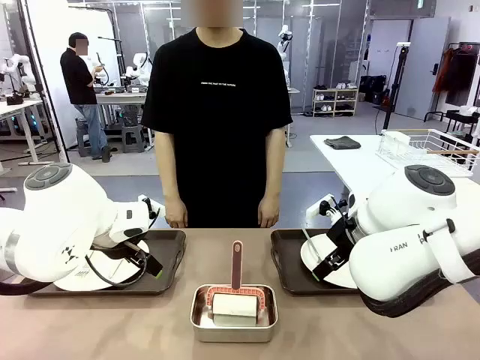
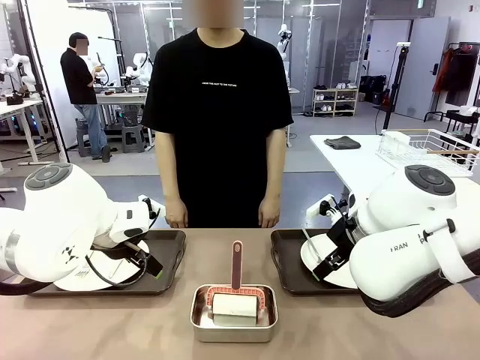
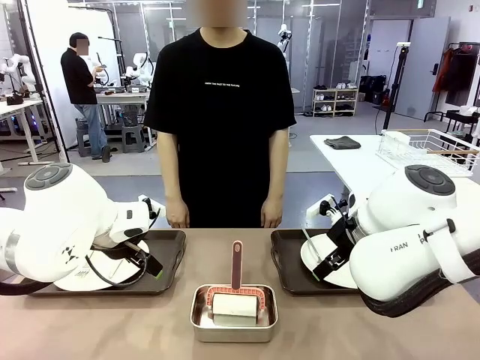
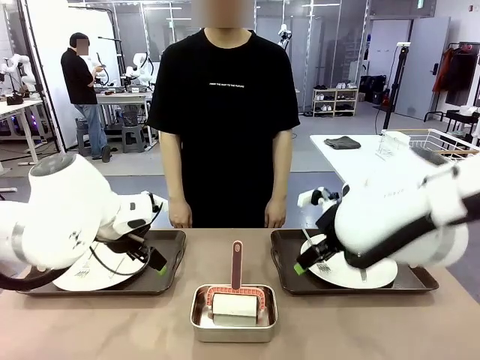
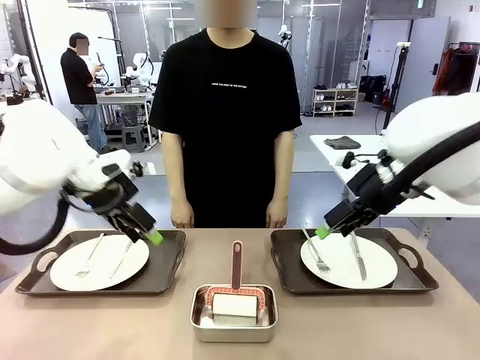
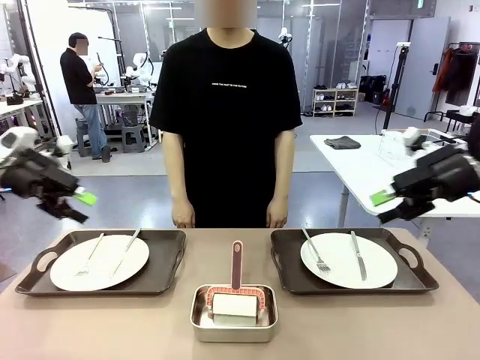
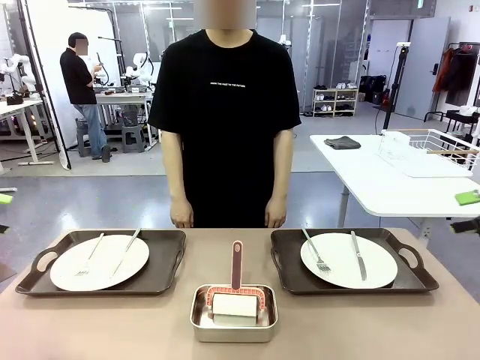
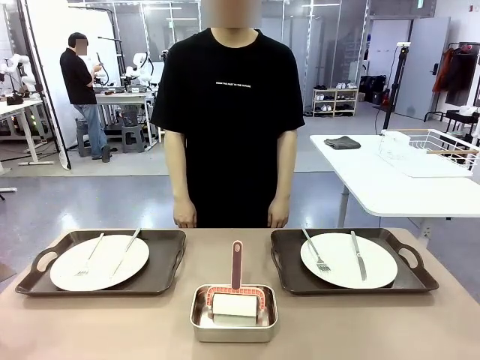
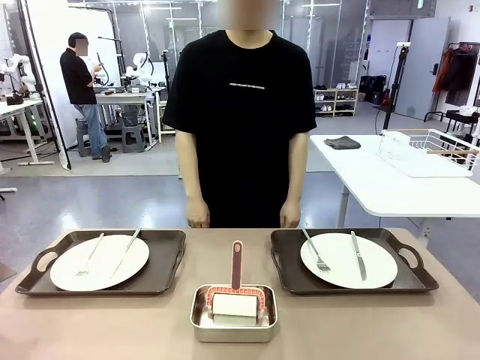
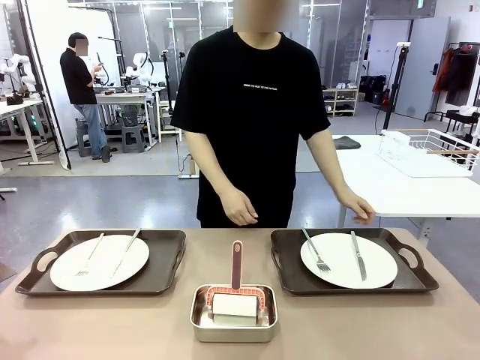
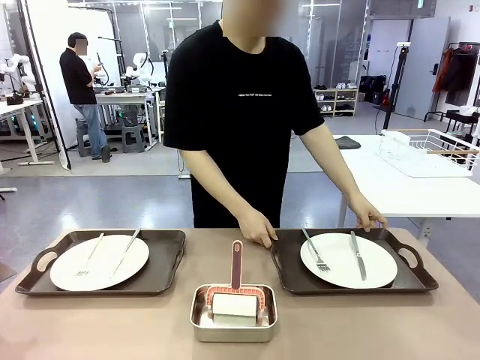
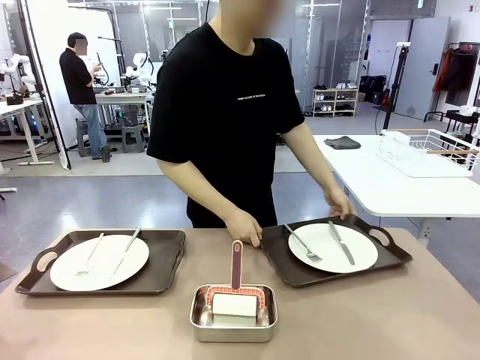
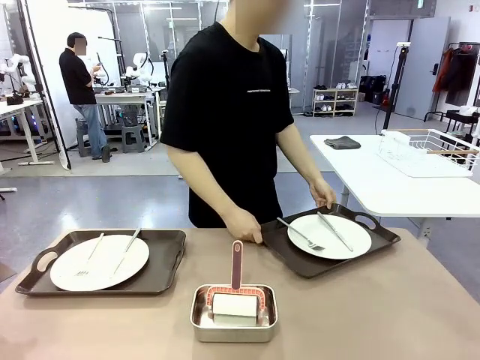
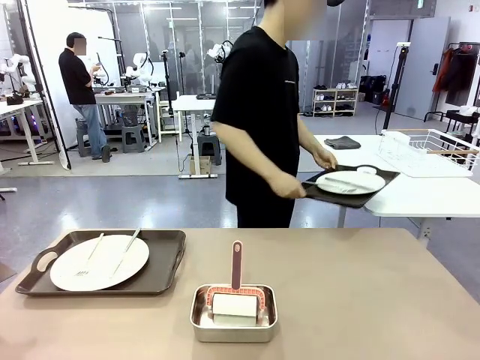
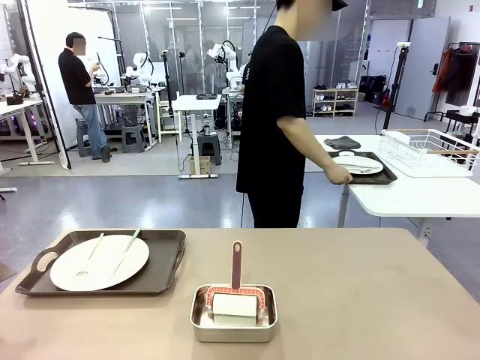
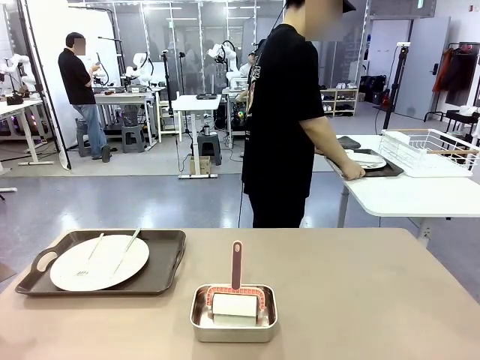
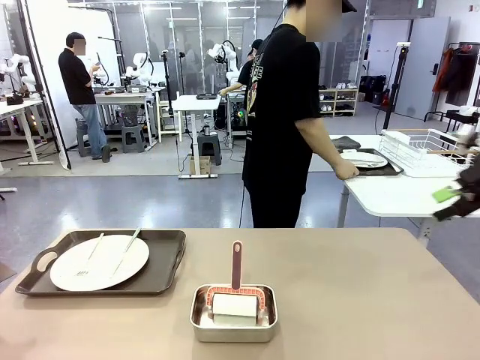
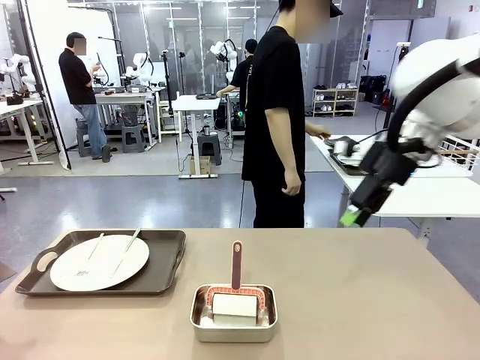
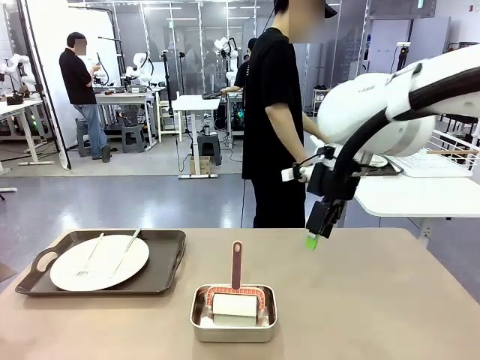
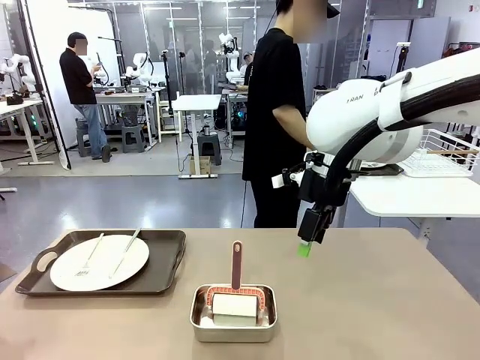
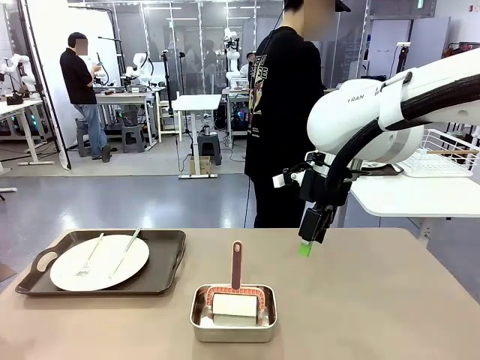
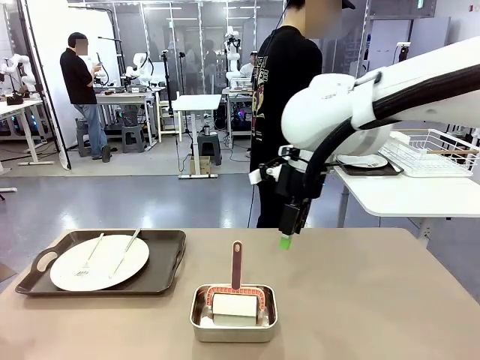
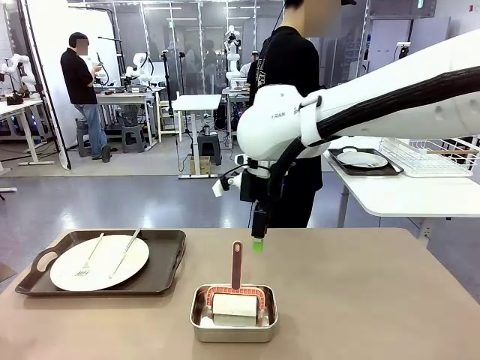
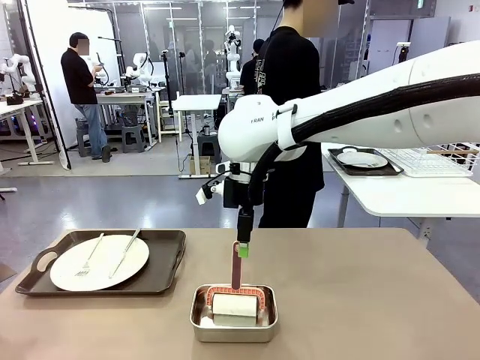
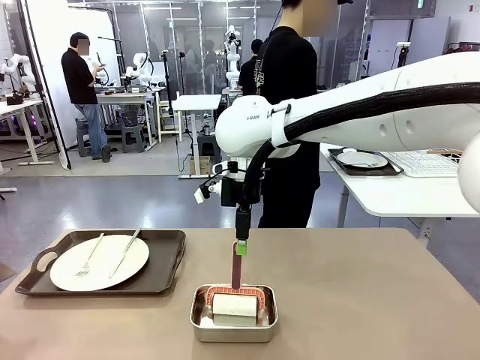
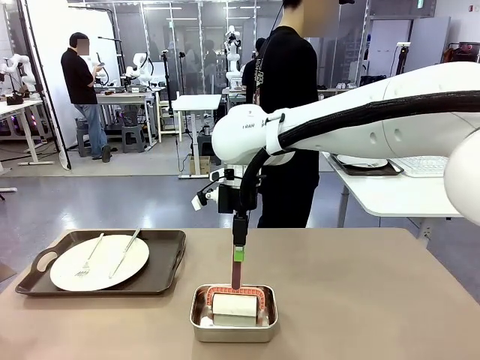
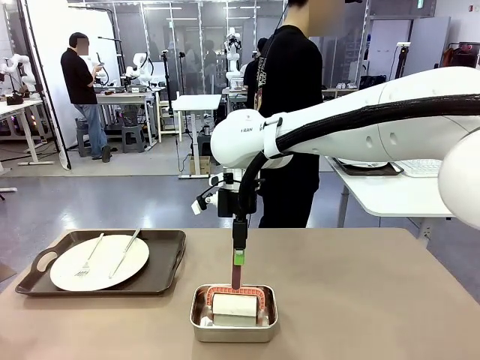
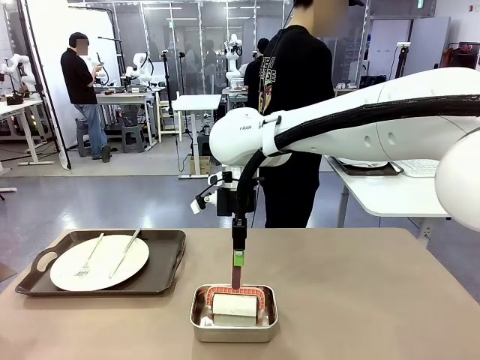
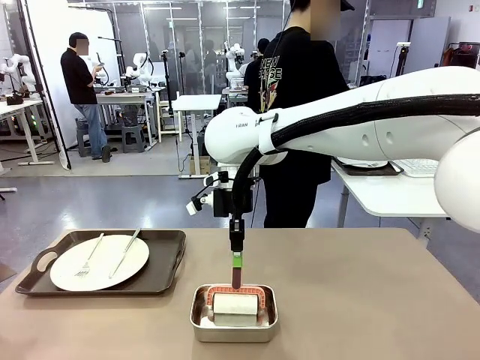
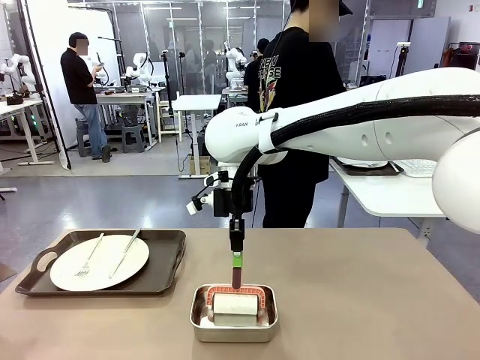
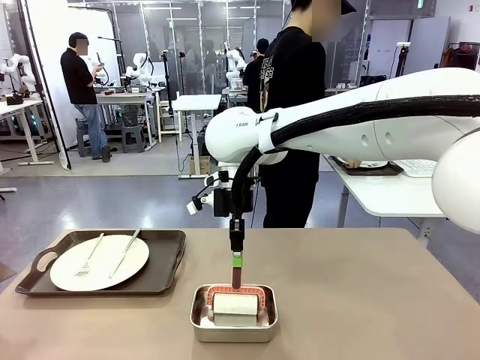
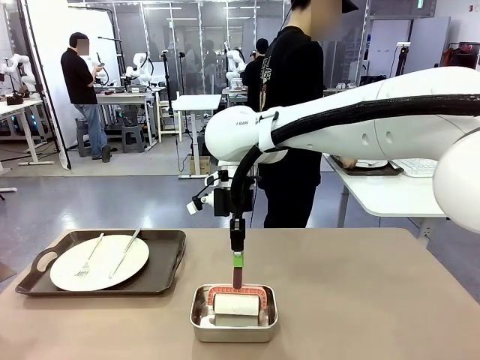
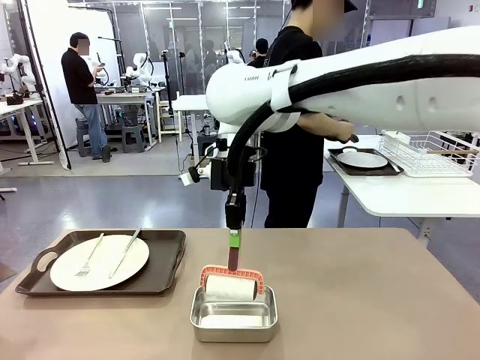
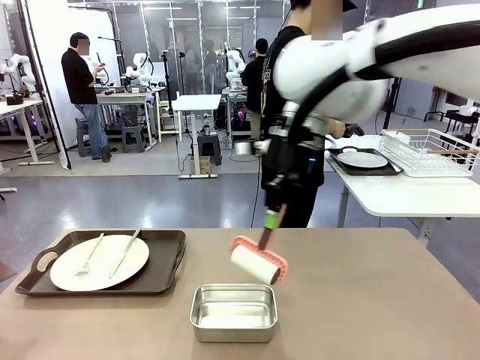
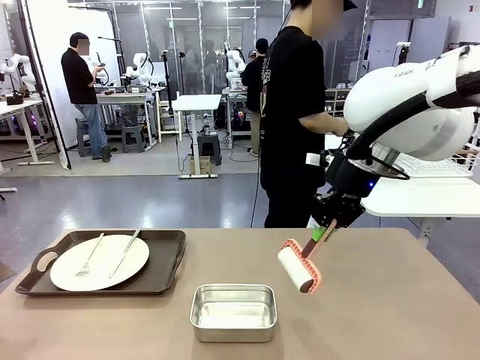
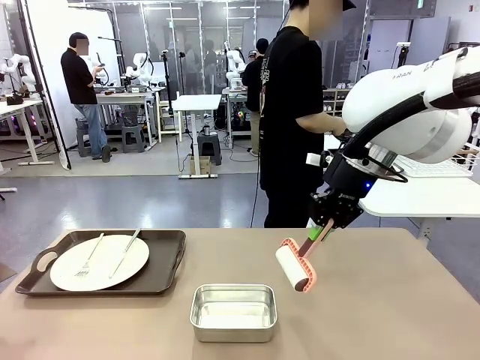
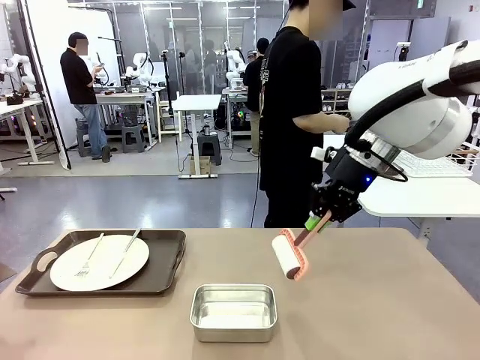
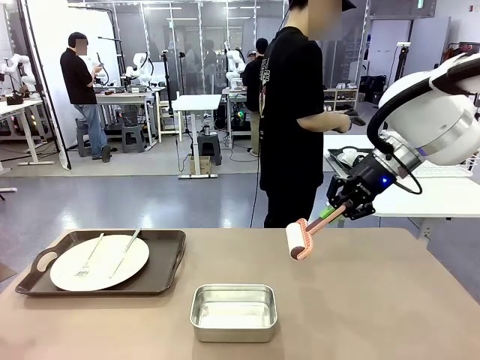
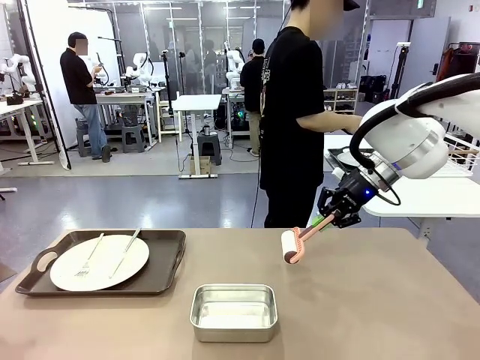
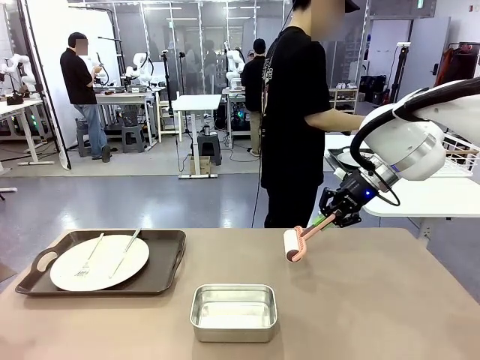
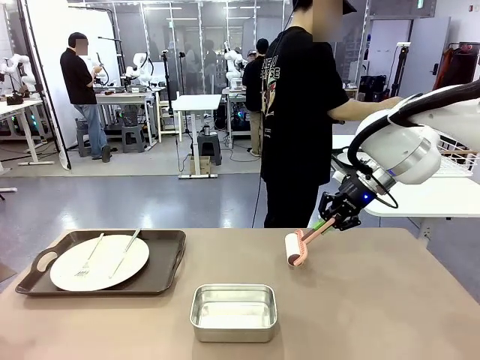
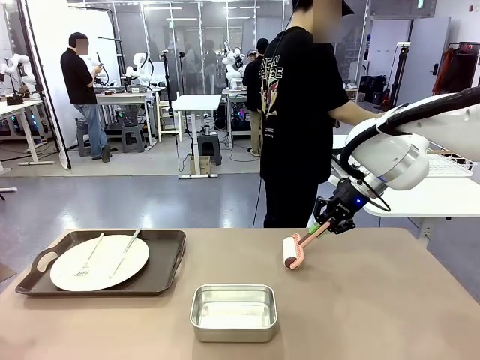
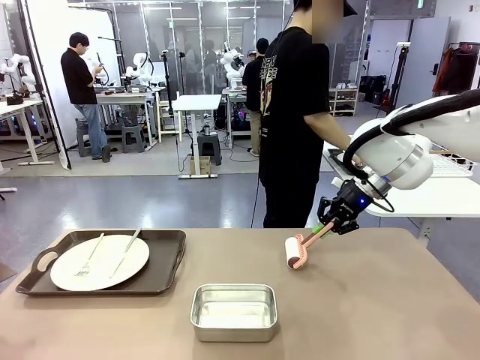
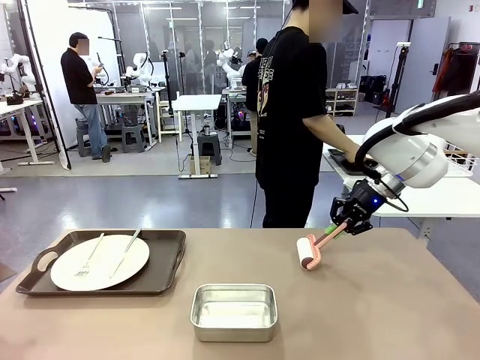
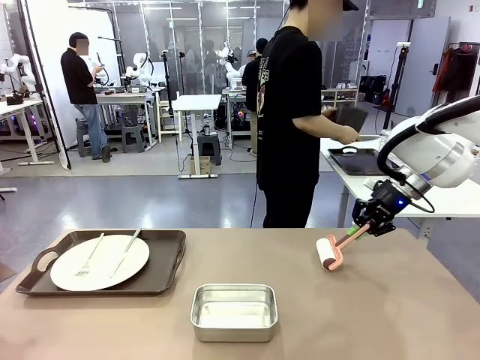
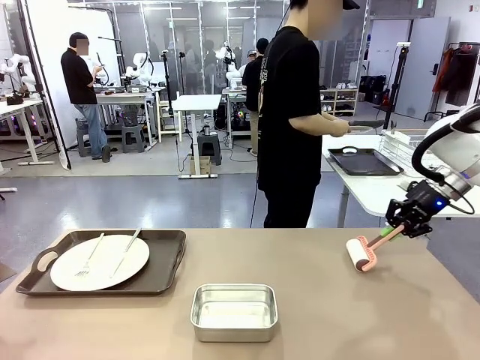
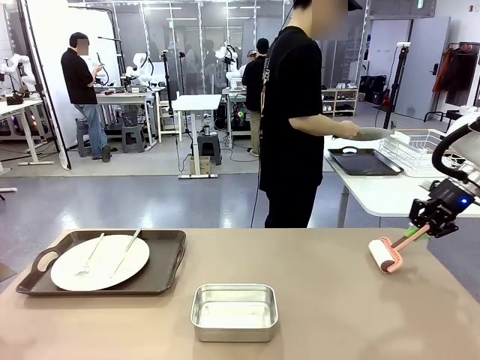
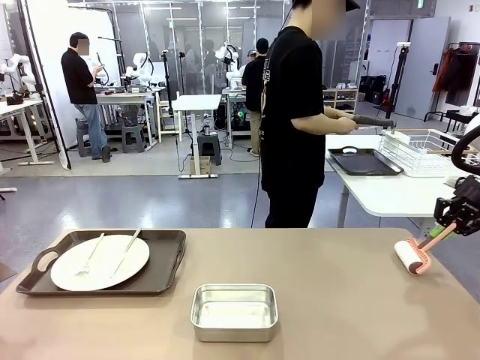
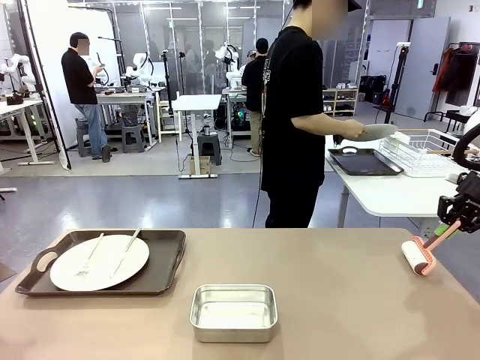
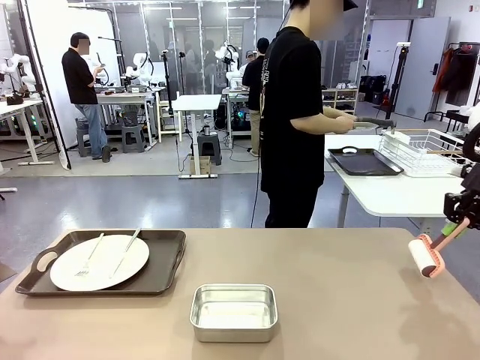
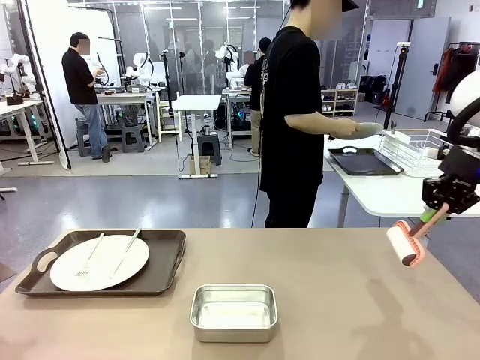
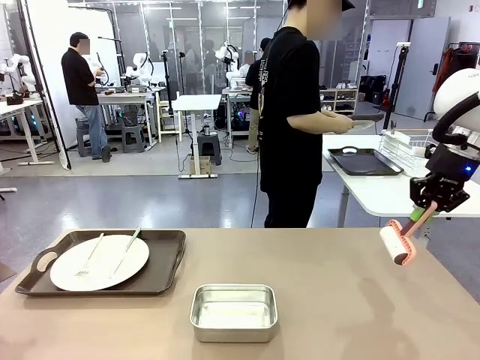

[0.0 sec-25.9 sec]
Robot: When the left (or right) Handle tray is removed, use the left hand (or right hand) to clean the left (or right) side of the table with the Lint Roller.
Person: Pick up the left (or right) Handle tray and place it on the middle of the Human's table. Use the Towel with hook to wipe the Plastic Matte Plate , Fork , and Knife and place into the Dish drying rack.
